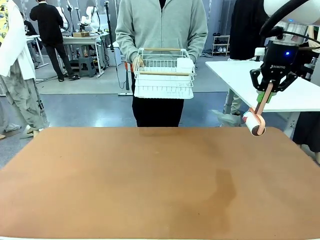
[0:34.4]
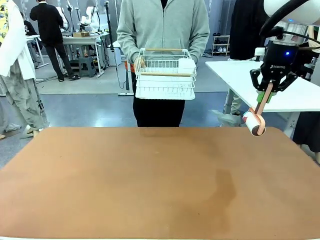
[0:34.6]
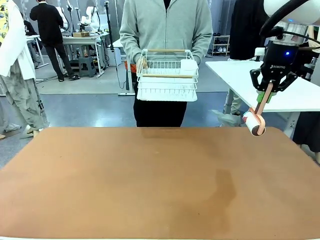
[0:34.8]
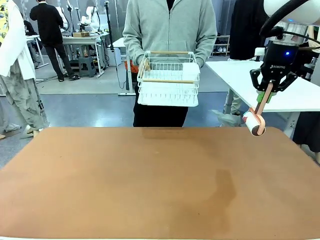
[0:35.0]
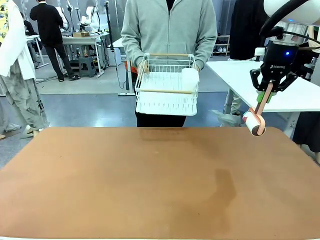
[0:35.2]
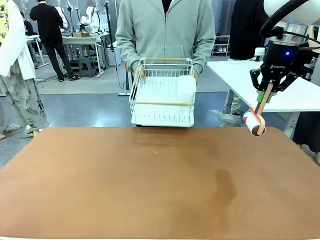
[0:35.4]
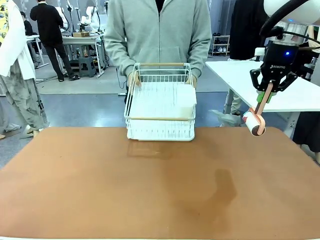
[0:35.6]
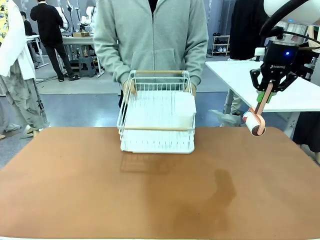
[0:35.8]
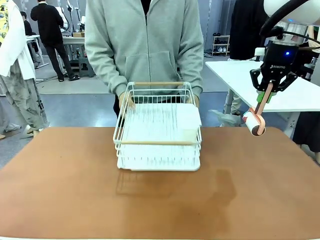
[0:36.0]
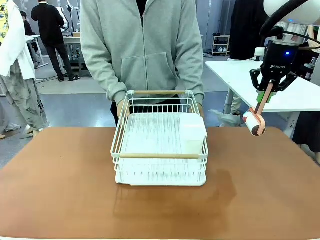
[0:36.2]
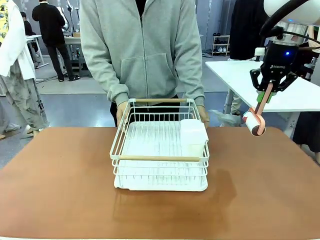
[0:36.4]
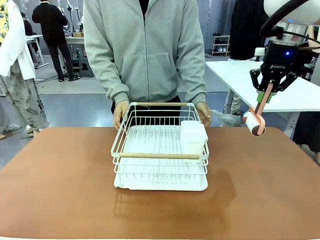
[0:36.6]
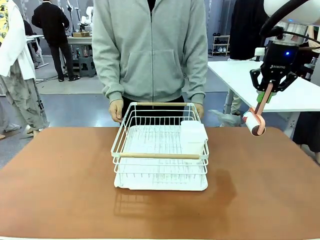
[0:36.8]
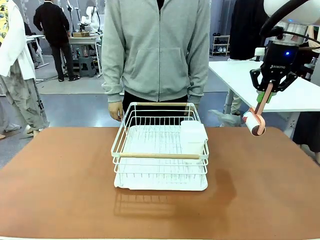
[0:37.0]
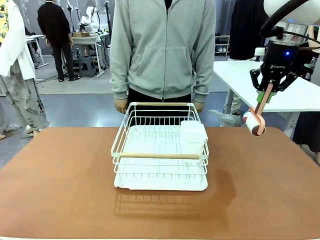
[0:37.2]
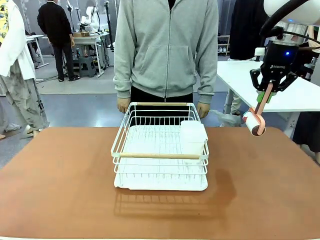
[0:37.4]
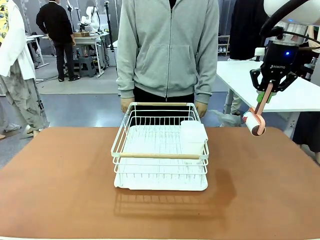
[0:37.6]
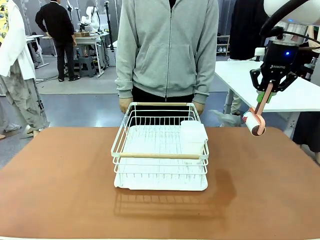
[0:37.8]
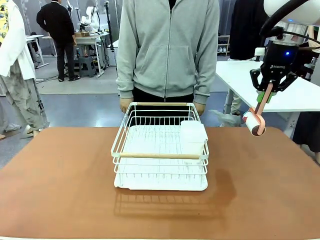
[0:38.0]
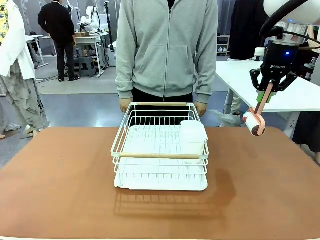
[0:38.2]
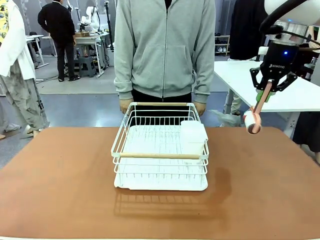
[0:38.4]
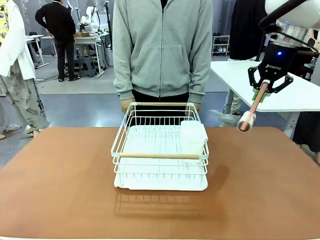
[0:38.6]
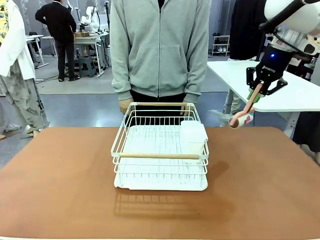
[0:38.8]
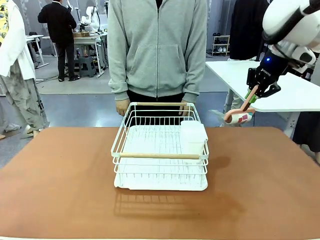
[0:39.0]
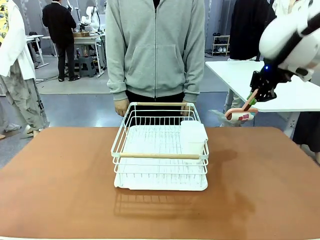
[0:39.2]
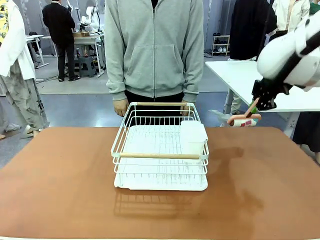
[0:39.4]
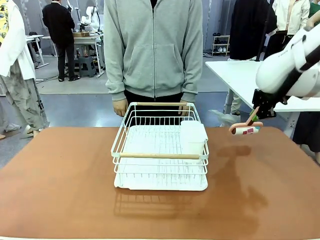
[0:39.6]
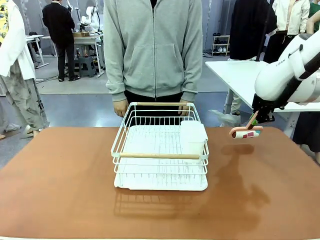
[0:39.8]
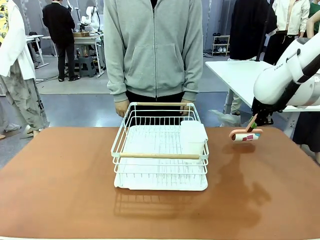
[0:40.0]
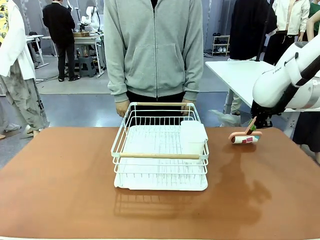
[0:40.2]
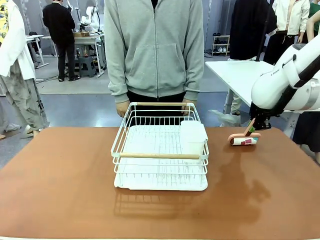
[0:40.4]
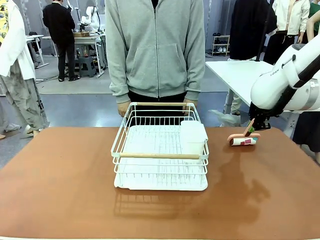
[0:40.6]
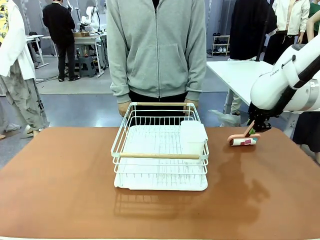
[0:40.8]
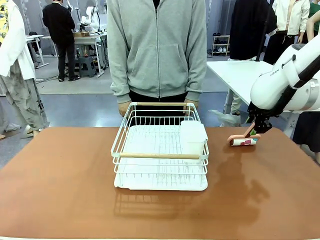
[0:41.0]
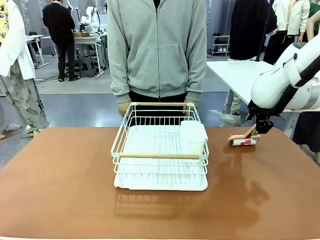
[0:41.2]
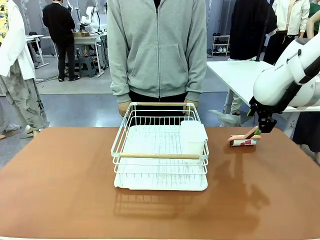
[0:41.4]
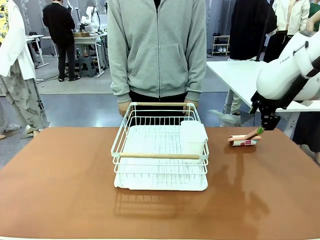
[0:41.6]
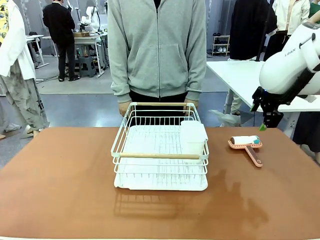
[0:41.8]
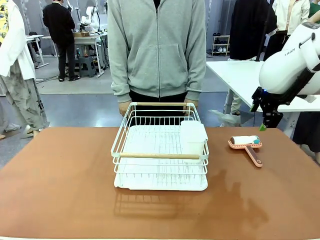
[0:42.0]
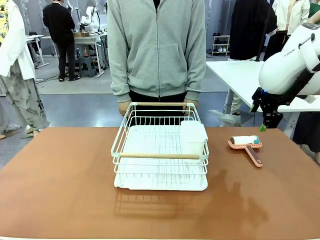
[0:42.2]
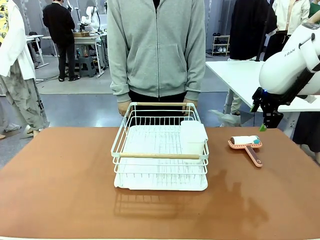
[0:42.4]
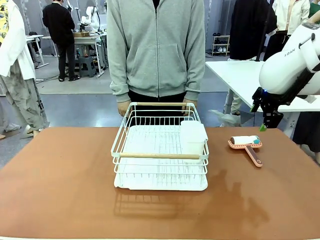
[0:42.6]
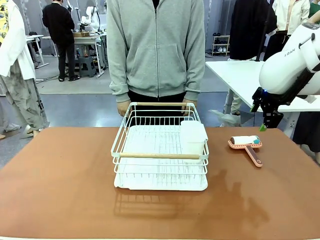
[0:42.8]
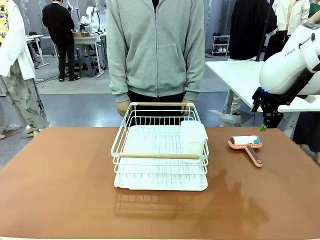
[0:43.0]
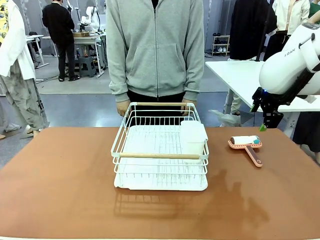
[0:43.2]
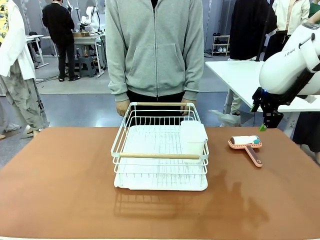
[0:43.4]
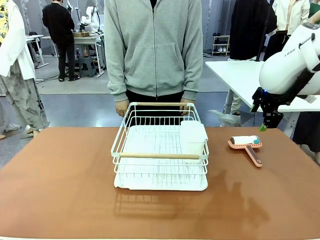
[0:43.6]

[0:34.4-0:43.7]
Task: Clean the table.
Robot: Place the Lint Roller down when the Dish drying rack is positioned in the middle of the table.

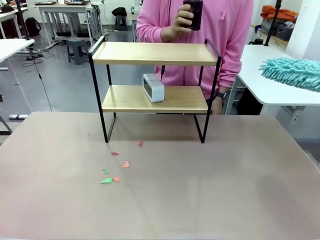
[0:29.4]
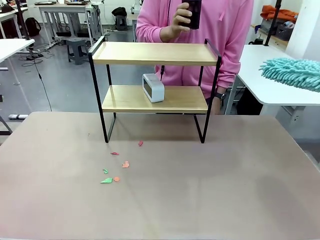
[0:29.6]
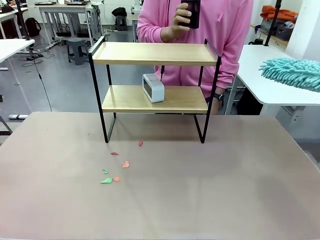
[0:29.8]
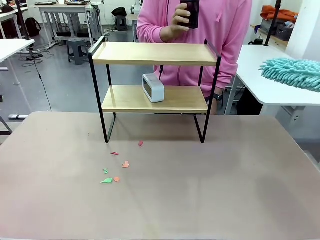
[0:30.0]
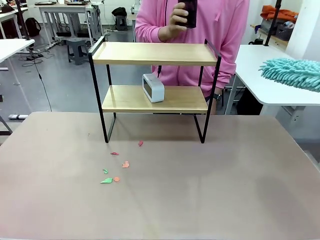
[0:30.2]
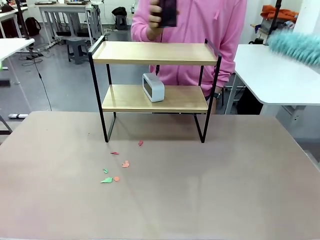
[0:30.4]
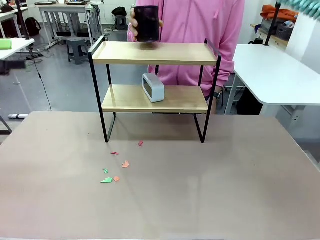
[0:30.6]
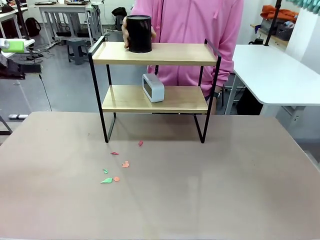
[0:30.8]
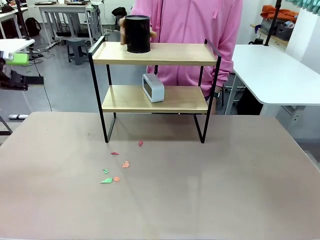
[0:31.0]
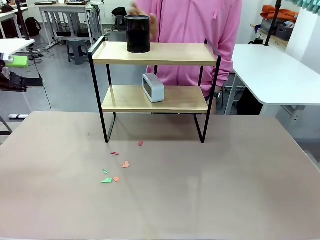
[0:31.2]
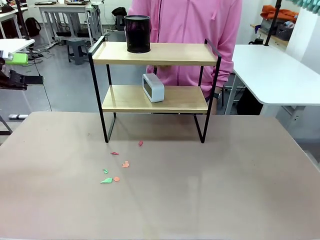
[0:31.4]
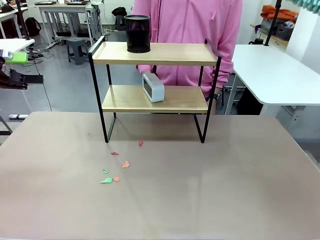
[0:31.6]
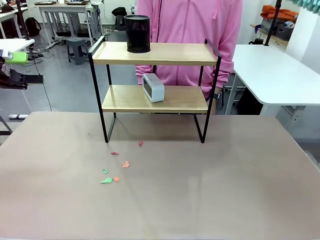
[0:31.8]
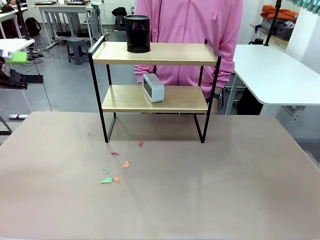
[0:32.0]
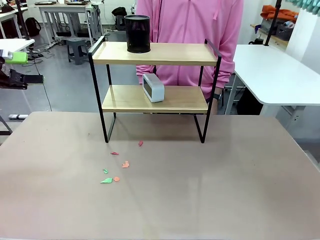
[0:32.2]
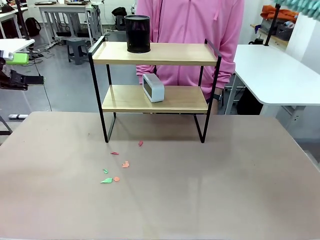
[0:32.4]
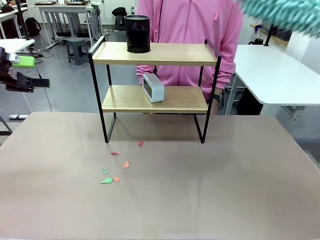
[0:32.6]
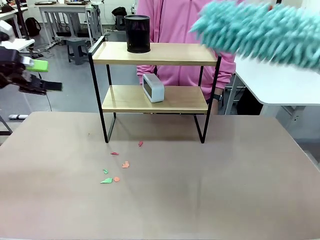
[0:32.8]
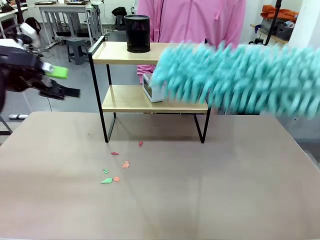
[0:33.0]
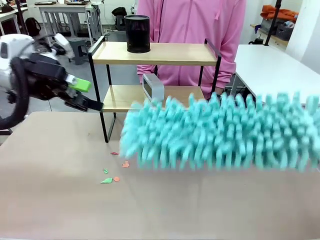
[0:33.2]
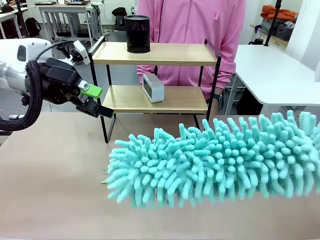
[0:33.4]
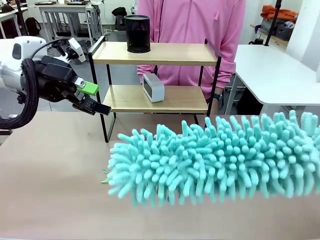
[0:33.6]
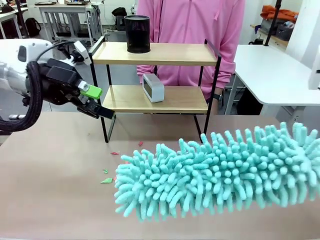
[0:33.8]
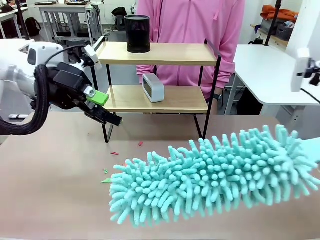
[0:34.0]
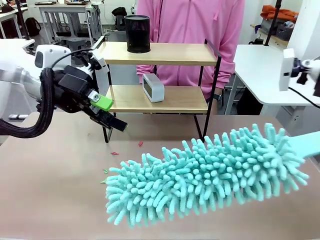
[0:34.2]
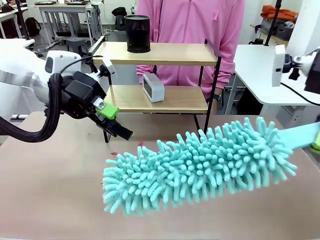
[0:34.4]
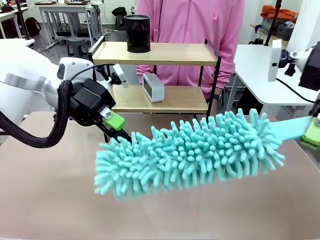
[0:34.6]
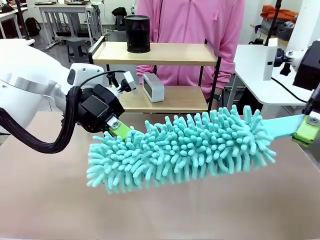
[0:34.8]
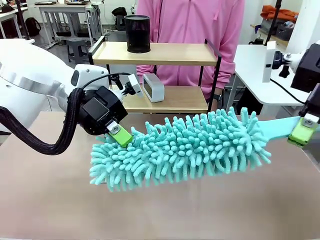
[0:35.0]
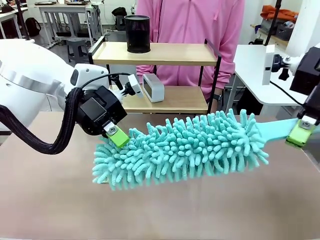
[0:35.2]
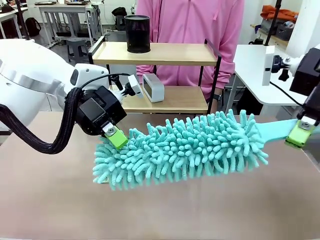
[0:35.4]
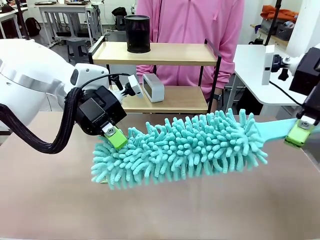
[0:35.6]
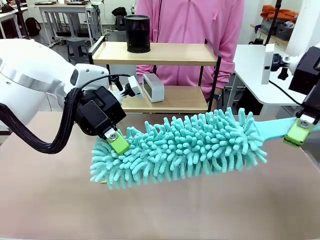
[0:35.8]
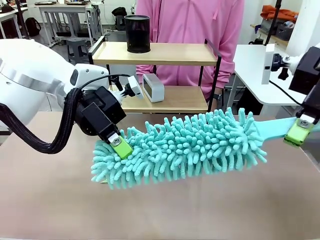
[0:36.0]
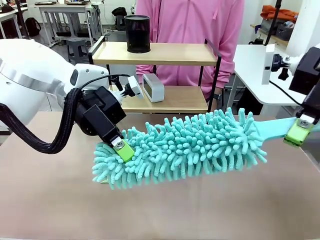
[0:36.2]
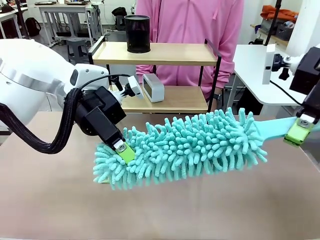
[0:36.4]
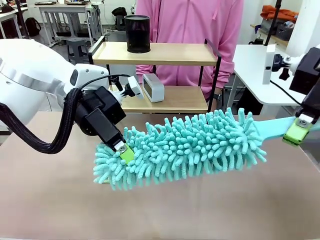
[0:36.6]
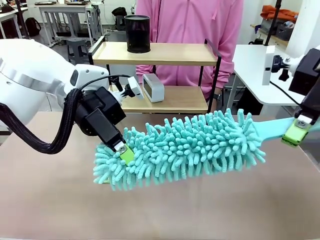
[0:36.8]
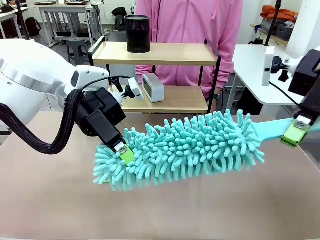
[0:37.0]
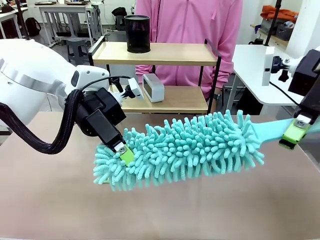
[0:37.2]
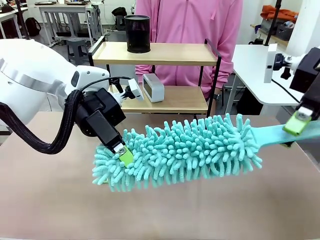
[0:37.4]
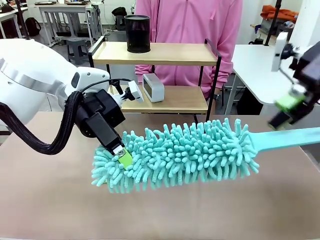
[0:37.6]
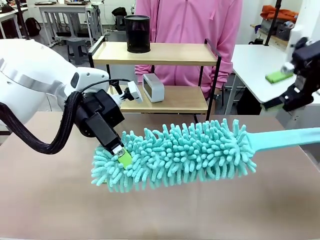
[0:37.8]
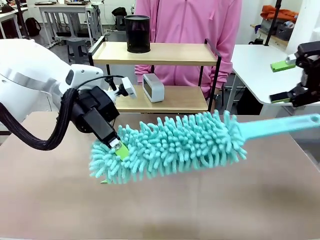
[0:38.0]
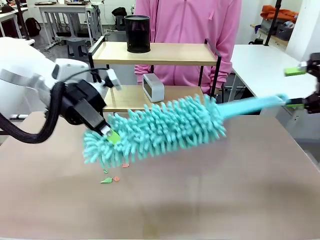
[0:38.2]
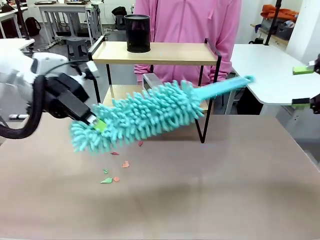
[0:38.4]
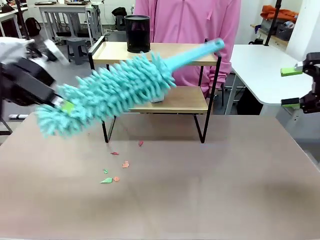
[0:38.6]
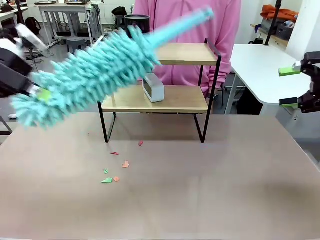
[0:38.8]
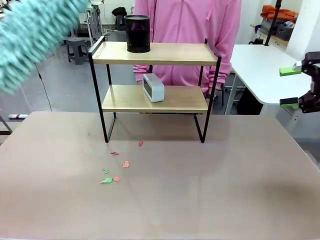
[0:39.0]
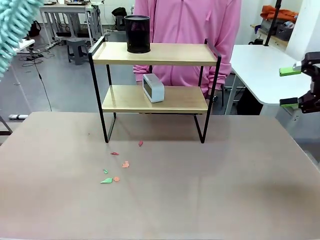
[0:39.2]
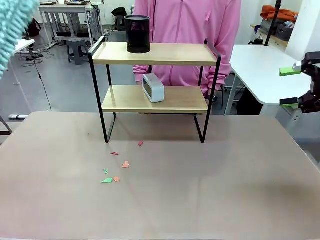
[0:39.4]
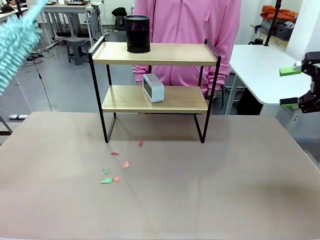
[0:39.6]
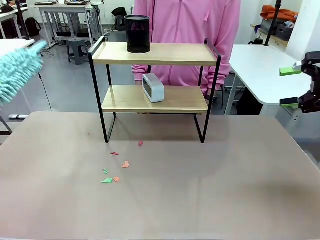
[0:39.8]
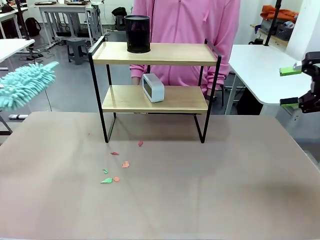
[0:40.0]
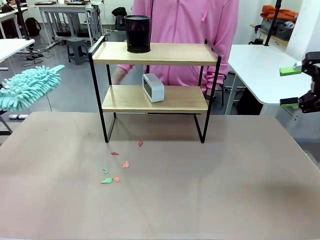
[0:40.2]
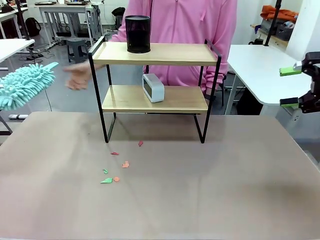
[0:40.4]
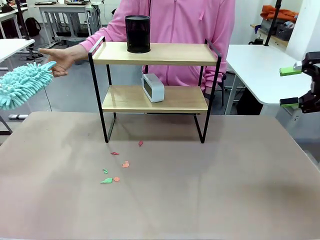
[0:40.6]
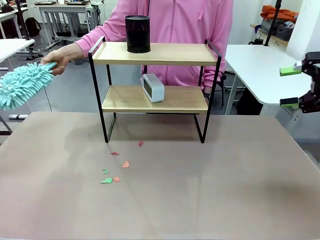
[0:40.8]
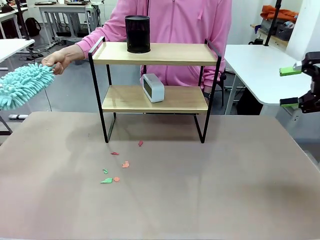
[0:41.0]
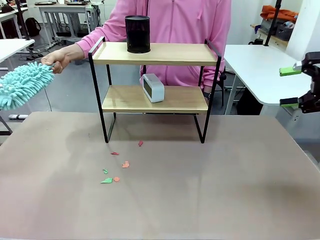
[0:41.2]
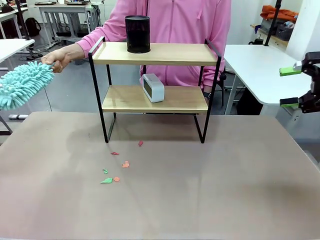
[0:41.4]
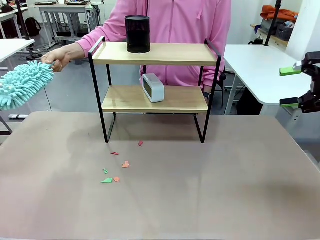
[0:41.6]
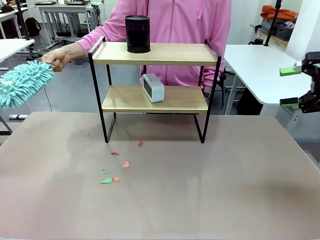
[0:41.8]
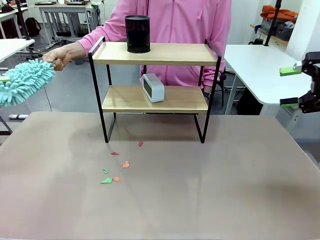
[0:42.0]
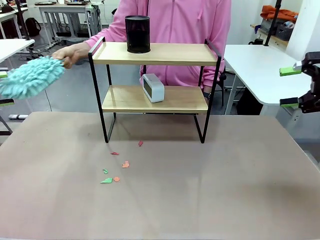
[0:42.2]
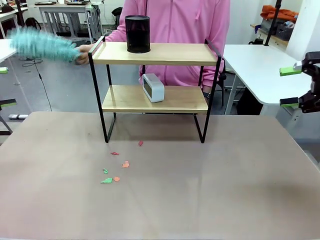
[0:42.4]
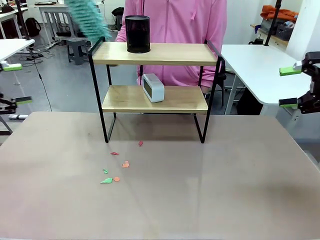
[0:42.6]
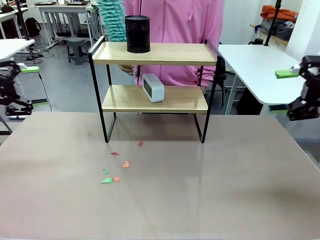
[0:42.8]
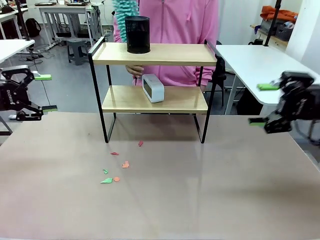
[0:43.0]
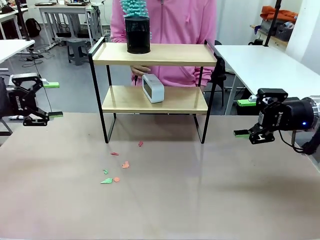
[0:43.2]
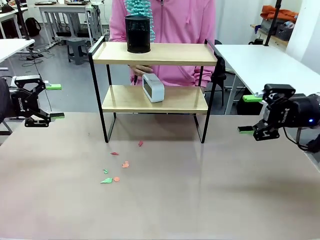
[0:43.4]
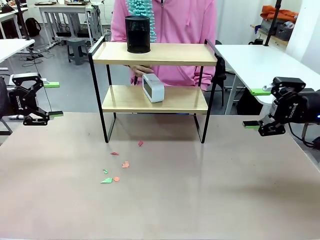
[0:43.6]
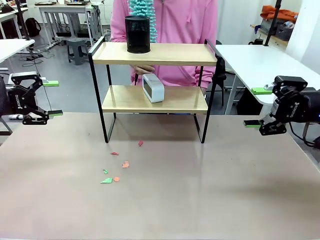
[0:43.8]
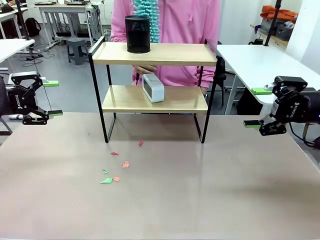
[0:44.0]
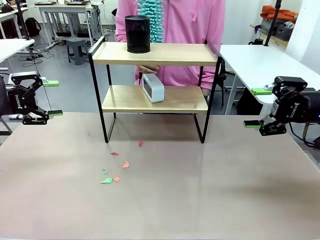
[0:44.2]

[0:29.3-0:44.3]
Task: Clean the shelf.
Robot: Hand the Duster back to the human.
Person: Receive the Duster from the robot.
